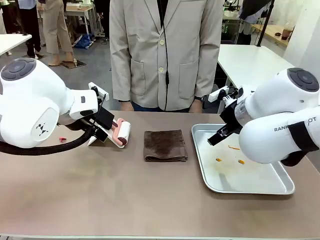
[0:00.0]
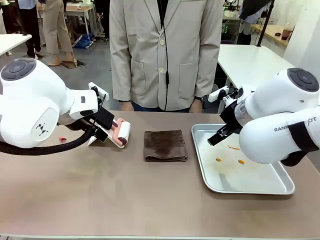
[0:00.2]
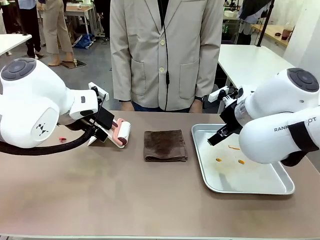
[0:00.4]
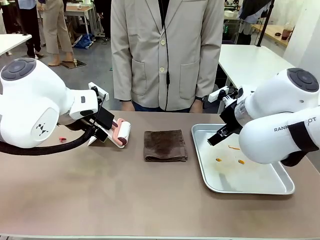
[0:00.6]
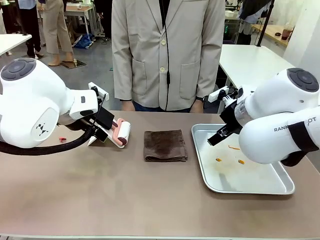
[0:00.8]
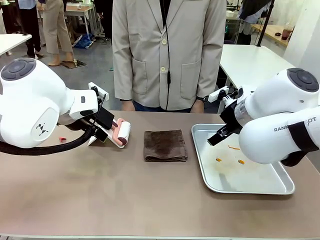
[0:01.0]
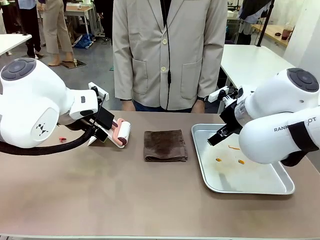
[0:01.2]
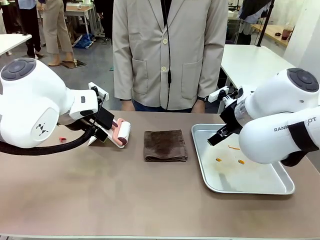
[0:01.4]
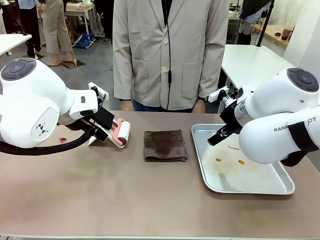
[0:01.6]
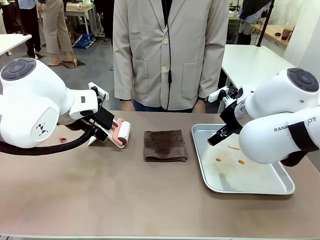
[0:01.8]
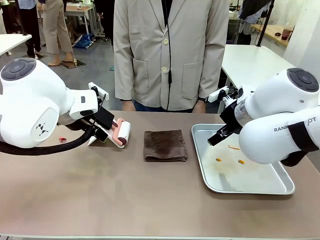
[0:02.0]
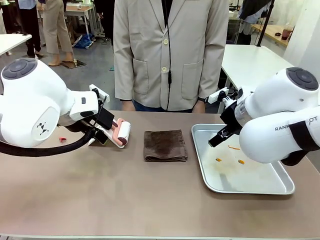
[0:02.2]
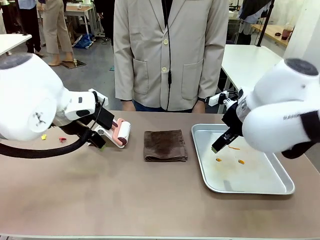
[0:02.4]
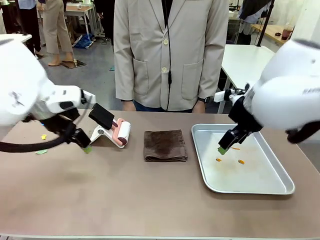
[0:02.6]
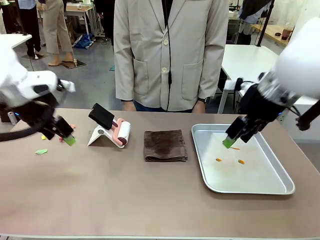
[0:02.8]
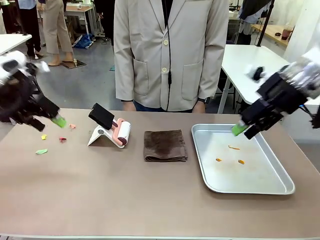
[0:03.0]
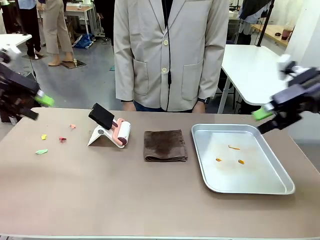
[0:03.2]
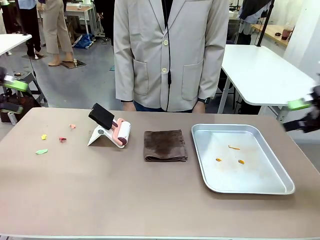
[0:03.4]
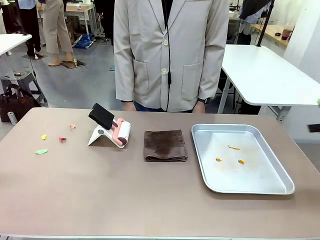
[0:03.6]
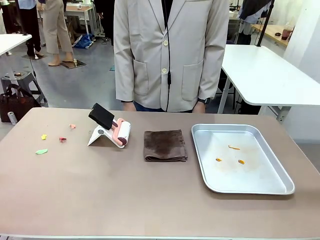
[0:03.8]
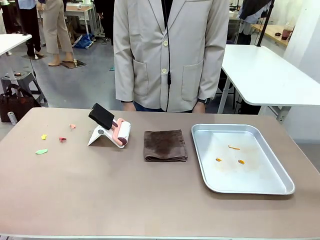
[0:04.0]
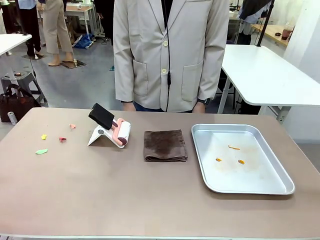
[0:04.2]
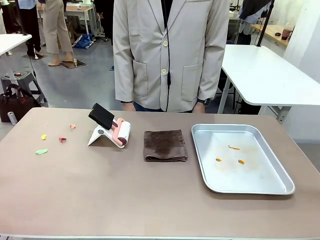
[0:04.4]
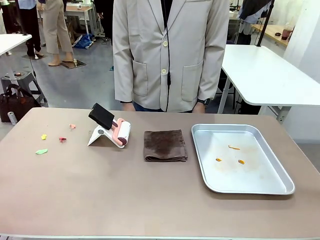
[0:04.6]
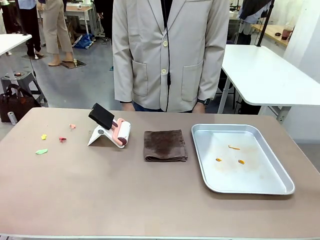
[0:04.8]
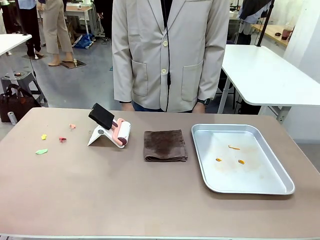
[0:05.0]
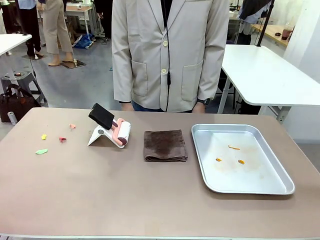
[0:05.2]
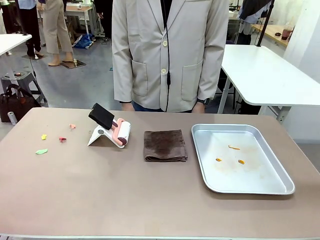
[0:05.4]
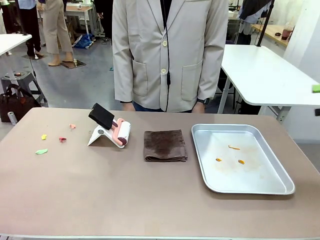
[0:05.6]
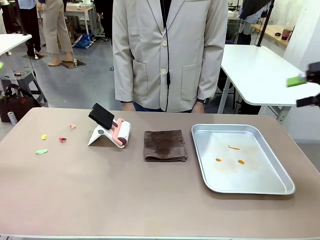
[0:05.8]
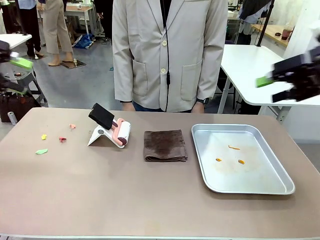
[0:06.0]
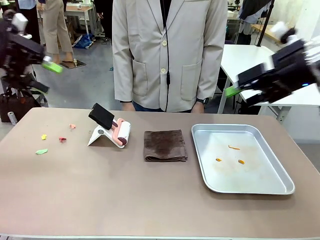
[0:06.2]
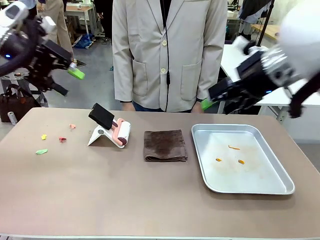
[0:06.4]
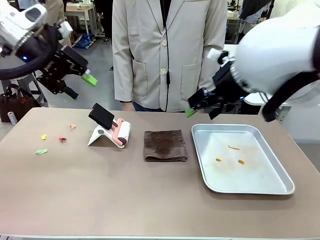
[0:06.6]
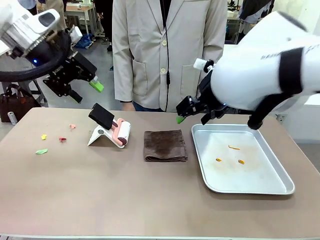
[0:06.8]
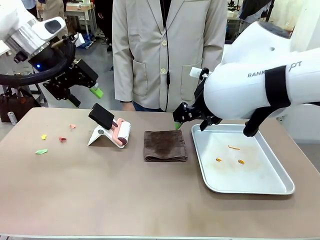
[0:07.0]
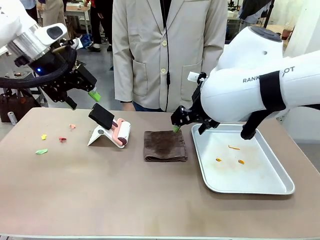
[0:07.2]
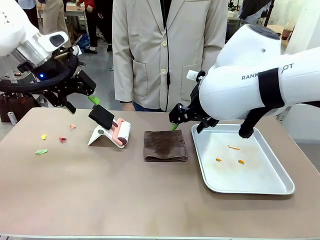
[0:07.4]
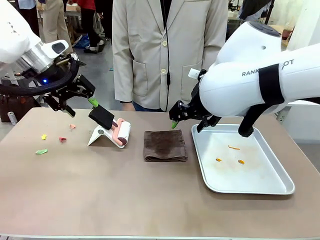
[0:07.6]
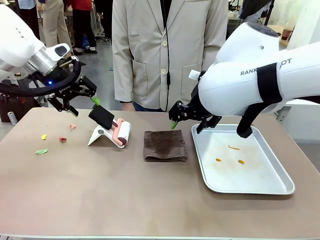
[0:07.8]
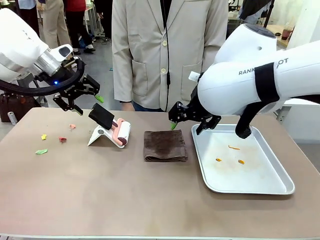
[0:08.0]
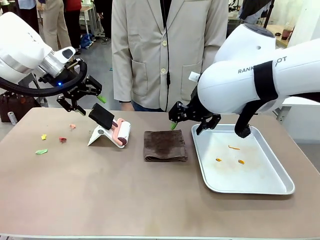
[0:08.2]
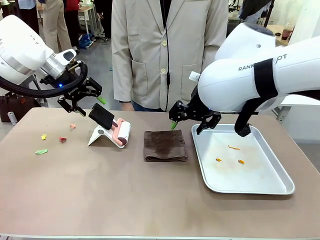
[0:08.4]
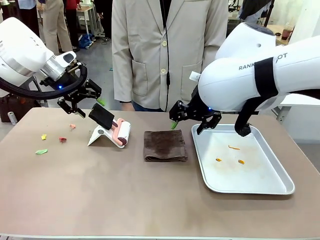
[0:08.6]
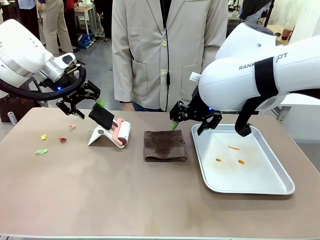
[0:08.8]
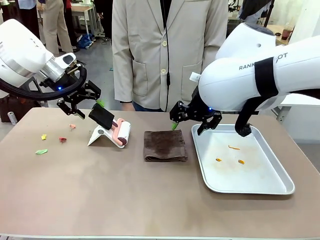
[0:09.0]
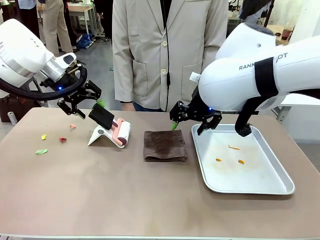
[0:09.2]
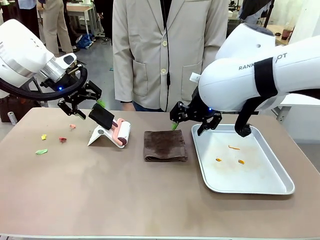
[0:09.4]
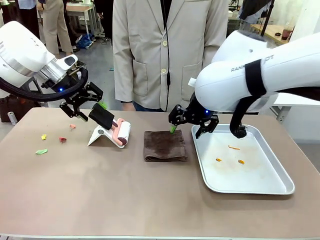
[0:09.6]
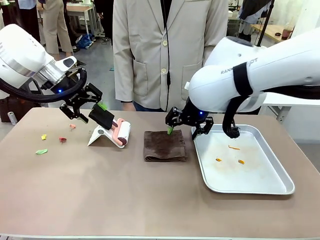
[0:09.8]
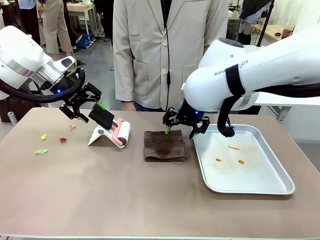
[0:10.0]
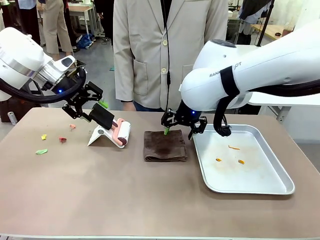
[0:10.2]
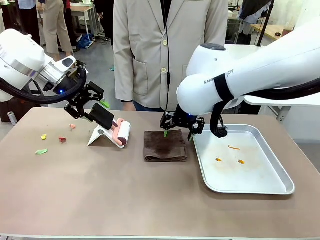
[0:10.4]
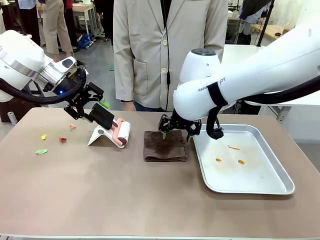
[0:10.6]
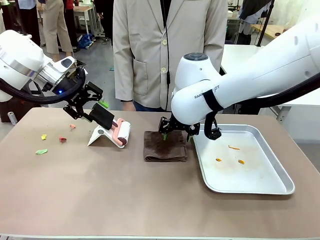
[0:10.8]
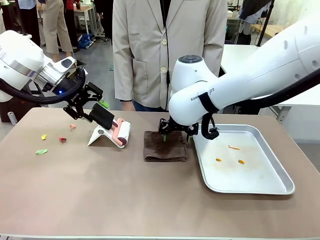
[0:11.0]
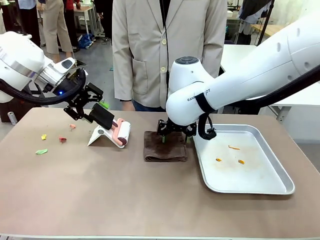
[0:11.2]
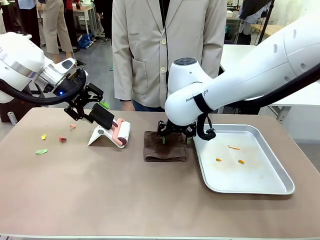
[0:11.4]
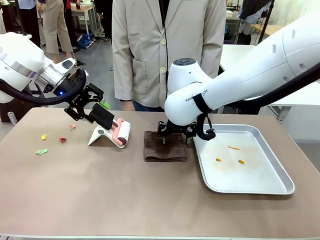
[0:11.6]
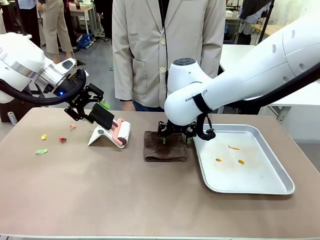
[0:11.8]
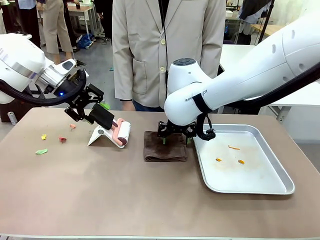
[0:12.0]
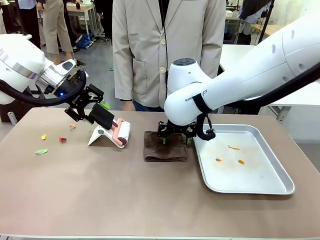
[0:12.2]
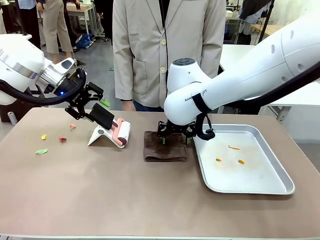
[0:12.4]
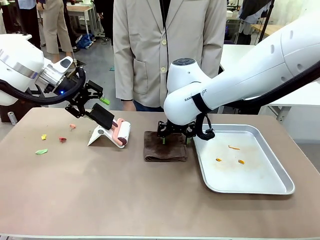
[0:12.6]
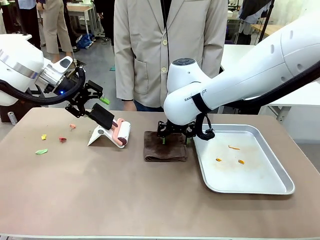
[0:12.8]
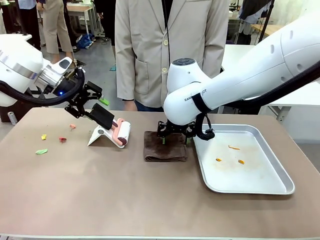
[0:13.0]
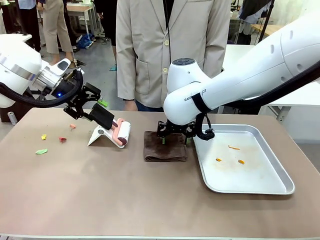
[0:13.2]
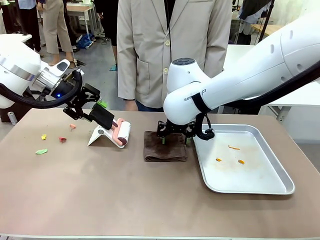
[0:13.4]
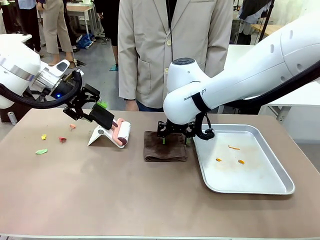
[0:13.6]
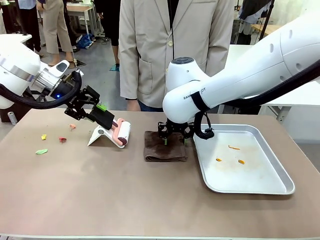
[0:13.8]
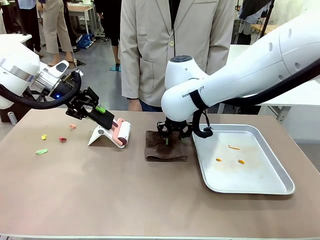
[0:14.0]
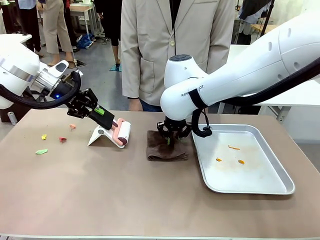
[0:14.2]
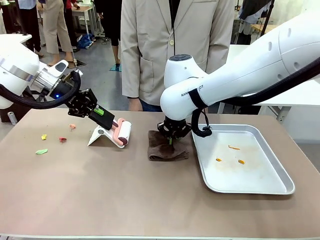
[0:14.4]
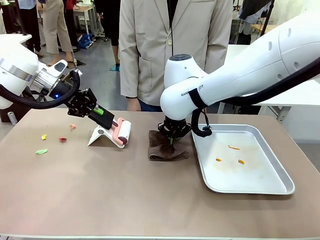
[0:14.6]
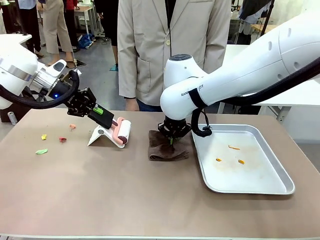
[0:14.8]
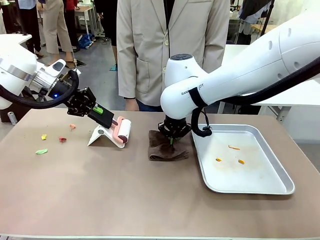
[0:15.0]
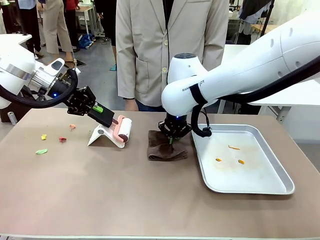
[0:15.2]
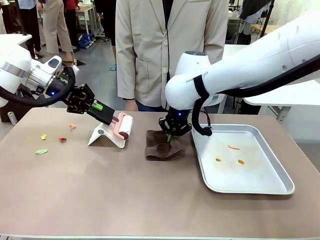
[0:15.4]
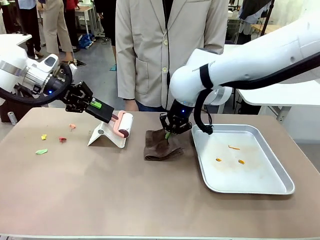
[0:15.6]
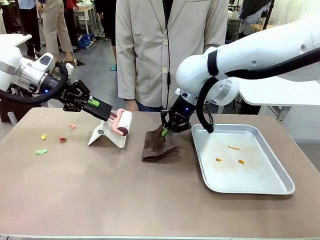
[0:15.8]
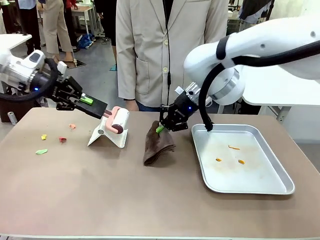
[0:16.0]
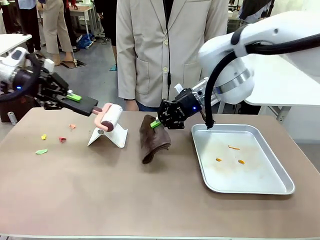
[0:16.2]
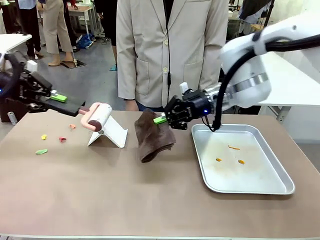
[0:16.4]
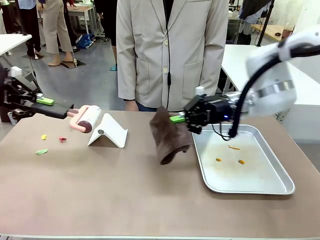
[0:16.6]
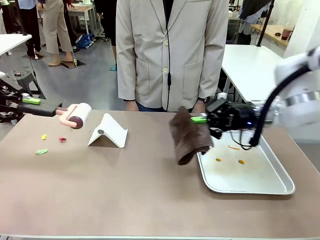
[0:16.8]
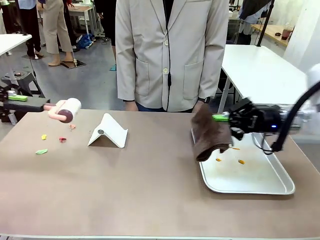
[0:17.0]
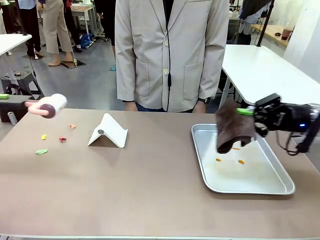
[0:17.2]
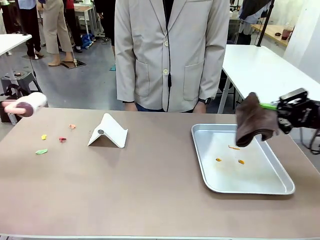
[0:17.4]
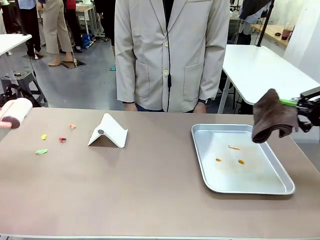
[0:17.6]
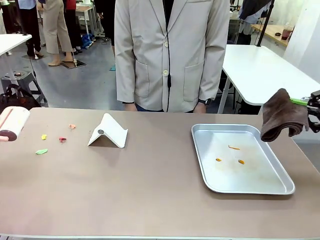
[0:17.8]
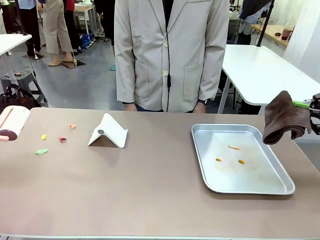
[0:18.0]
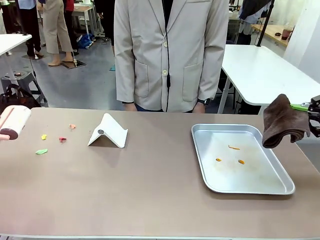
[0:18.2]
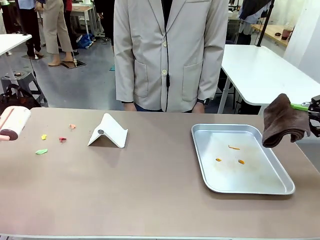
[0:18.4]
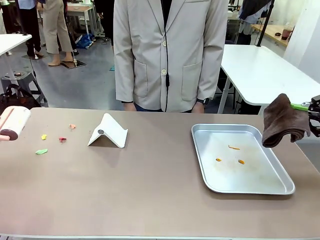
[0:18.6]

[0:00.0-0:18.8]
Task: Clean the surface of the table.
Robot: Hold the Lint Roller with your left hand and the towel with your right hand.
